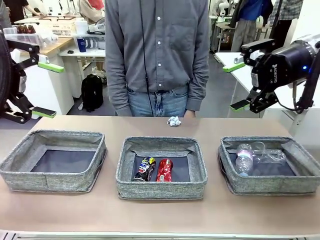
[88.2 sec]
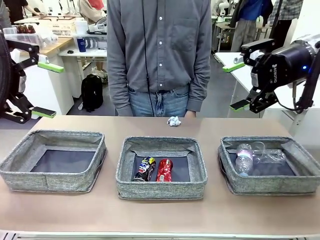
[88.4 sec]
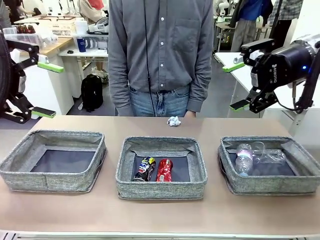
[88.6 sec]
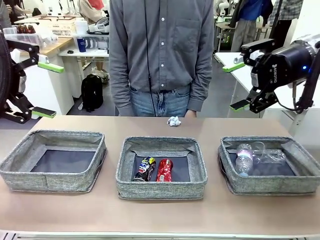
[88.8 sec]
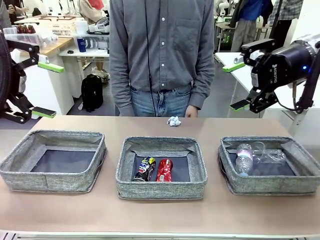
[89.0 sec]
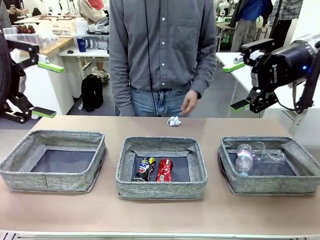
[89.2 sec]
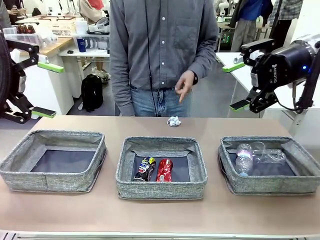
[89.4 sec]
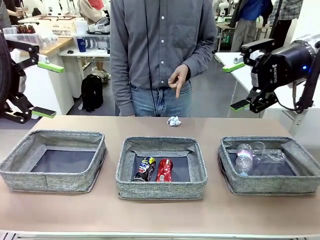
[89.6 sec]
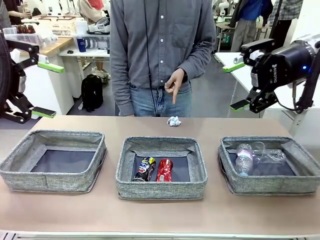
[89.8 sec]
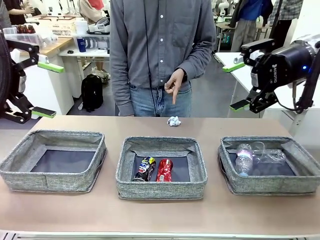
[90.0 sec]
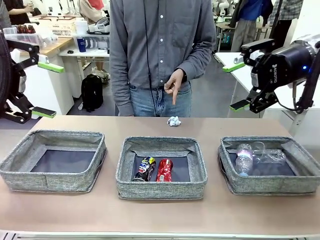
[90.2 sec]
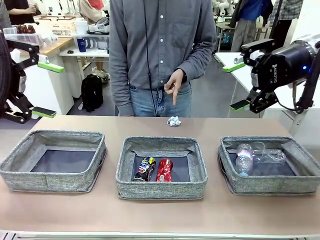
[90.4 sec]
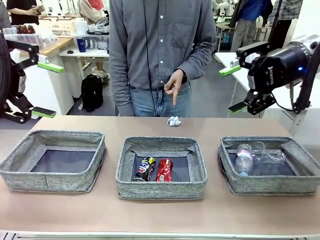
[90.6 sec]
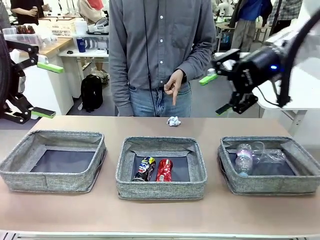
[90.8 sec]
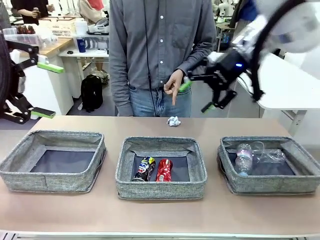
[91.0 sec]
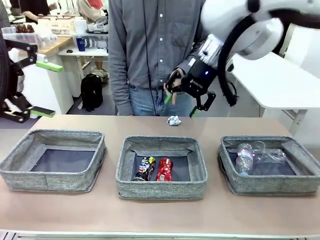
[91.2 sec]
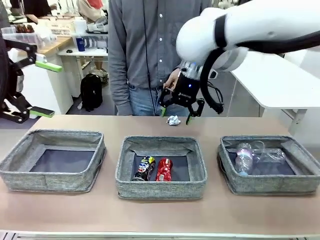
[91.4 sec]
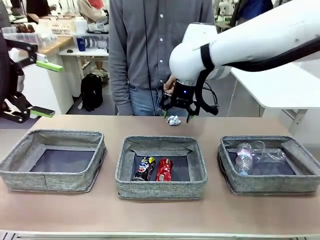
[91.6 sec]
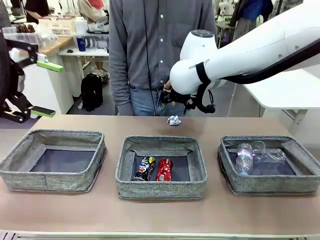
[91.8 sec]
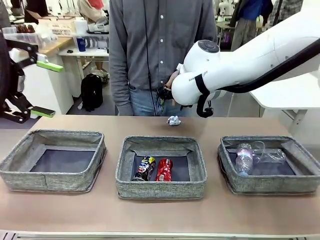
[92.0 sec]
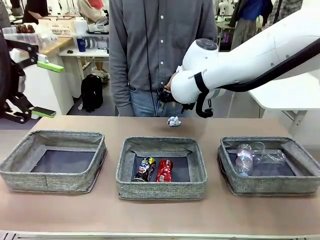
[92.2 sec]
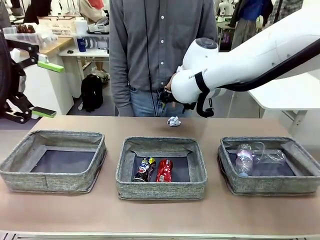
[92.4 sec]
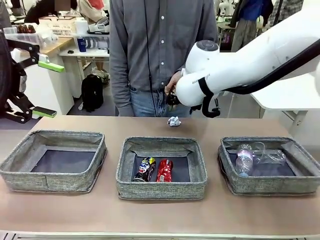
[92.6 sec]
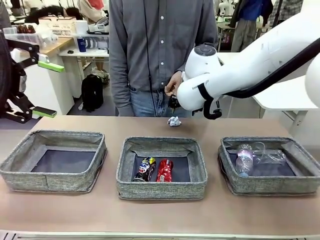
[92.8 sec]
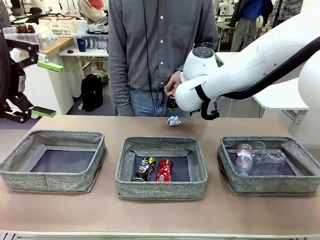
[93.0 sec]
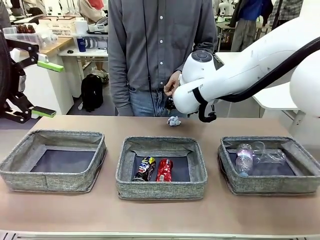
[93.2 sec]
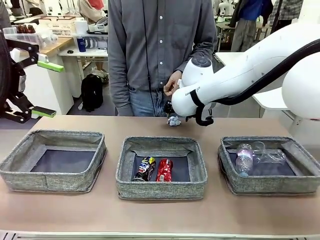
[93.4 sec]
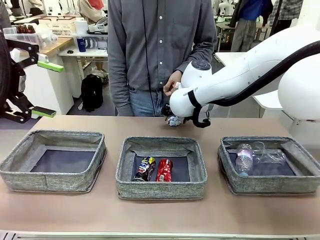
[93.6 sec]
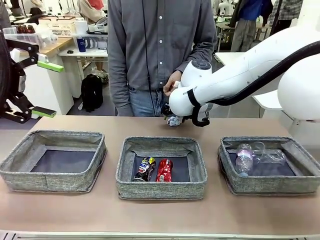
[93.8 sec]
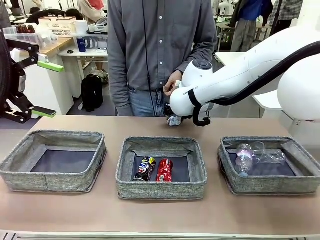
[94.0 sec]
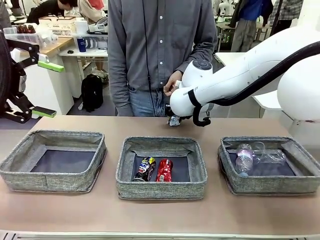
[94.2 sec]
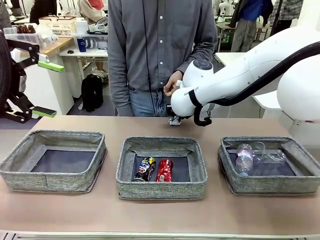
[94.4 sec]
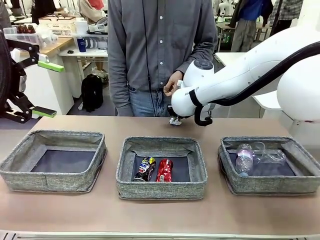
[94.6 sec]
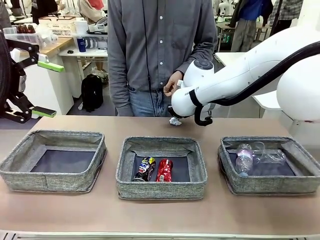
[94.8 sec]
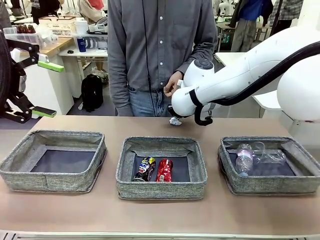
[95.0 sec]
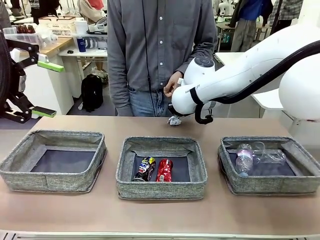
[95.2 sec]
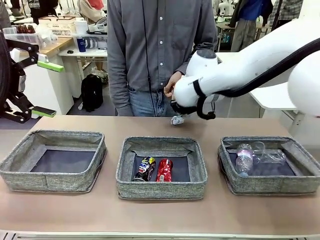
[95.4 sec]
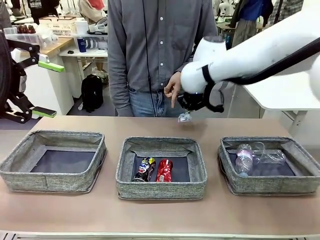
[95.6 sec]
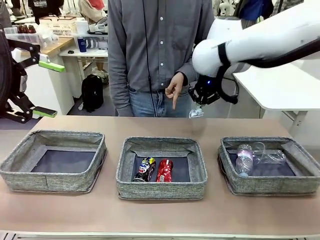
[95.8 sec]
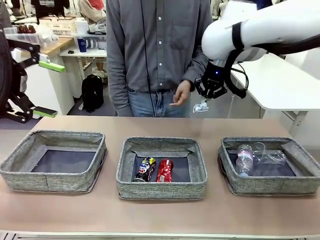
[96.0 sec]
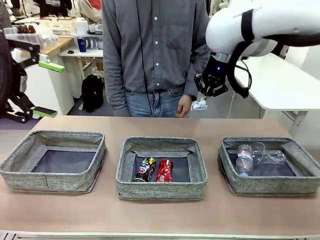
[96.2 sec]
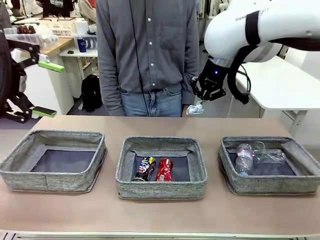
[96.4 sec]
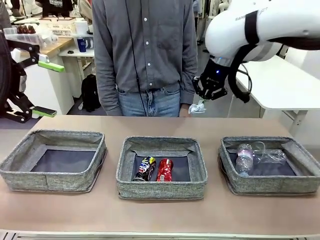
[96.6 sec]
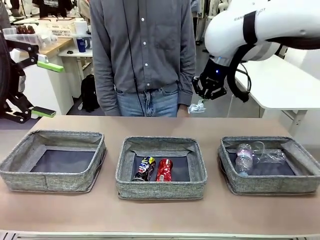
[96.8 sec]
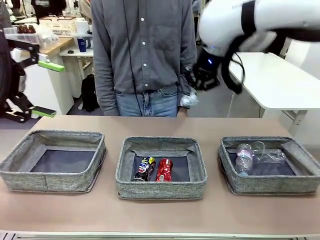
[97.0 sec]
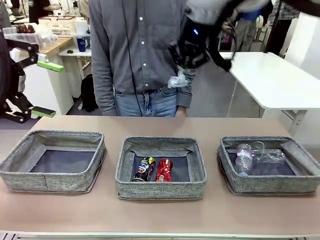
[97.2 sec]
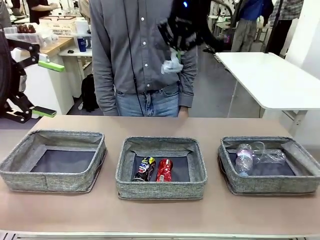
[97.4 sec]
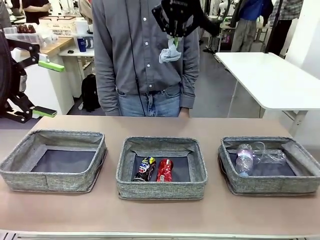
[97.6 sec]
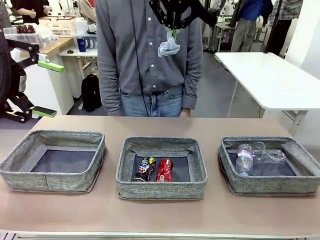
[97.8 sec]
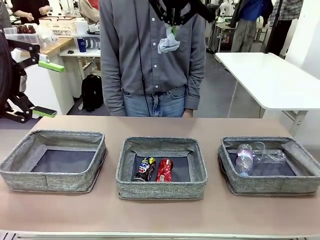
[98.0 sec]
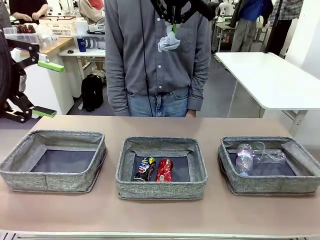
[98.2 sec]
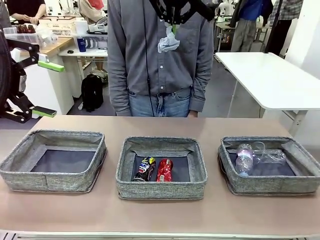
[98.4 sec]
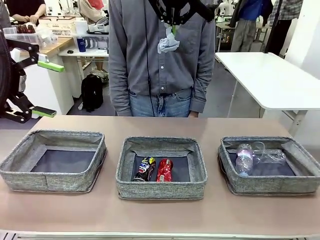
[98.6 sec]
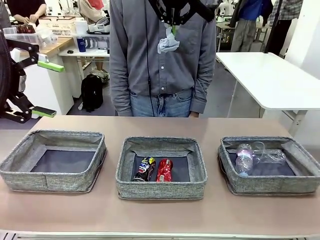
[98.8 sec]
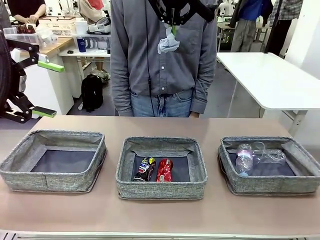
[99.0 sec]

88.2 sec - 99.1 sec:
Task: Sort the waste into the appropriate baskets.
Robot: Pick up the waste item pointed out by the person.
Person: Points to one piece of trash on the table.

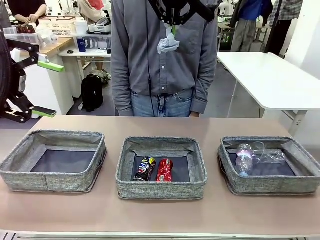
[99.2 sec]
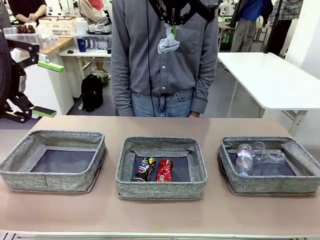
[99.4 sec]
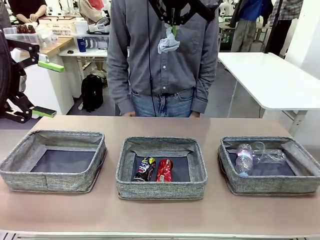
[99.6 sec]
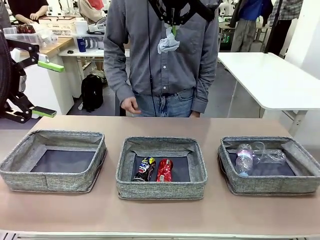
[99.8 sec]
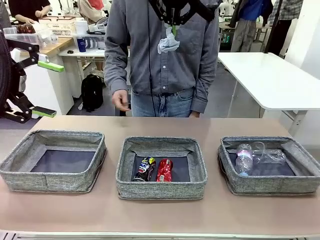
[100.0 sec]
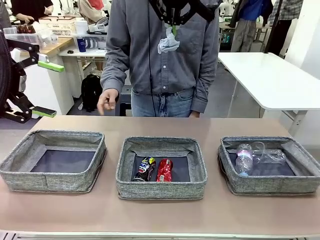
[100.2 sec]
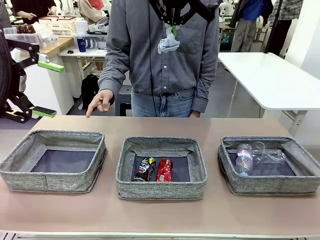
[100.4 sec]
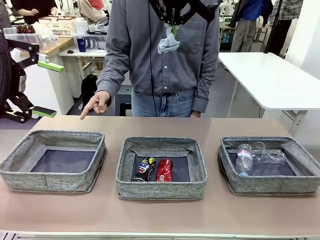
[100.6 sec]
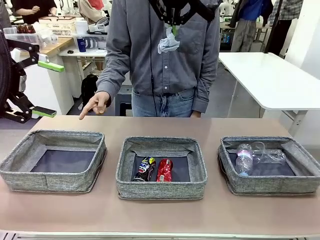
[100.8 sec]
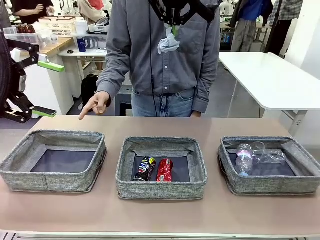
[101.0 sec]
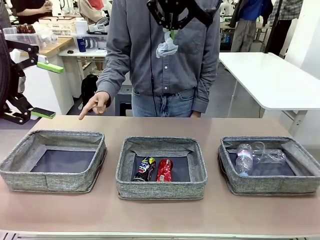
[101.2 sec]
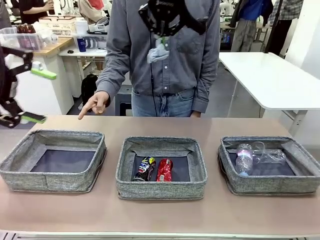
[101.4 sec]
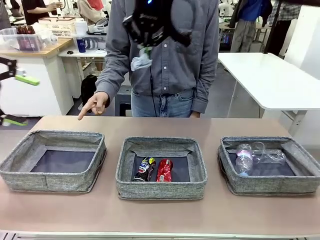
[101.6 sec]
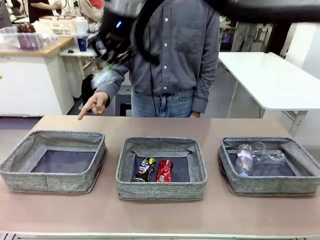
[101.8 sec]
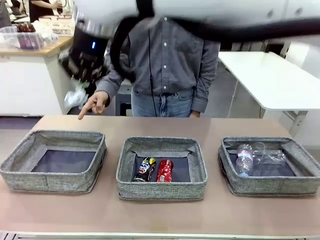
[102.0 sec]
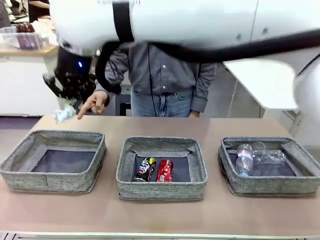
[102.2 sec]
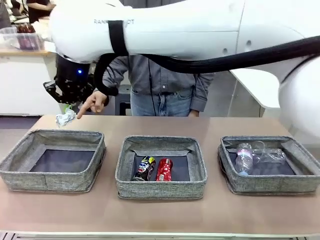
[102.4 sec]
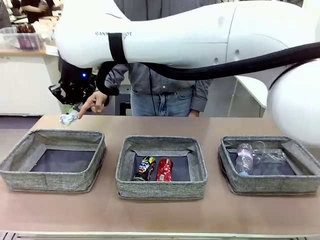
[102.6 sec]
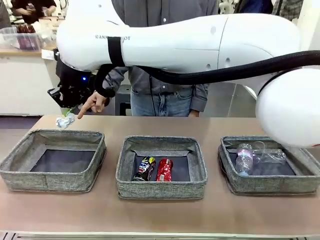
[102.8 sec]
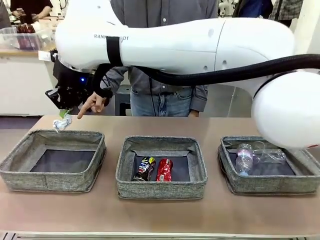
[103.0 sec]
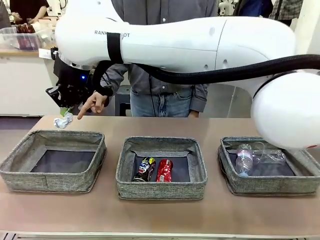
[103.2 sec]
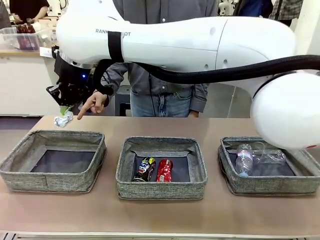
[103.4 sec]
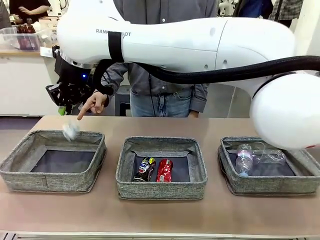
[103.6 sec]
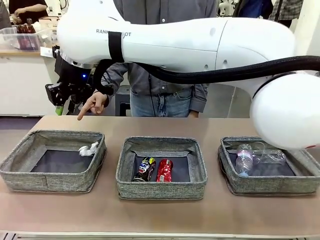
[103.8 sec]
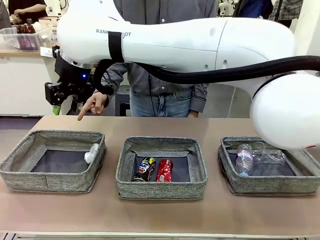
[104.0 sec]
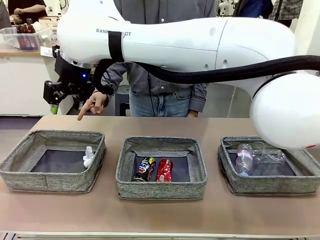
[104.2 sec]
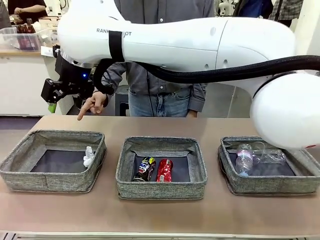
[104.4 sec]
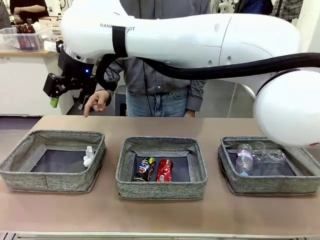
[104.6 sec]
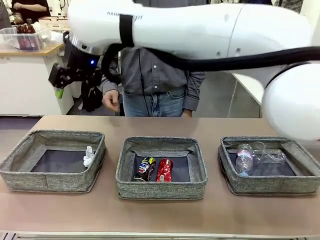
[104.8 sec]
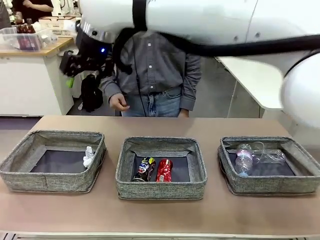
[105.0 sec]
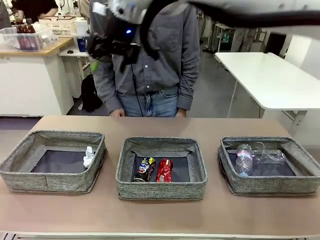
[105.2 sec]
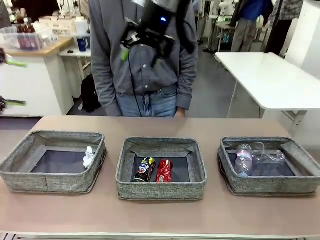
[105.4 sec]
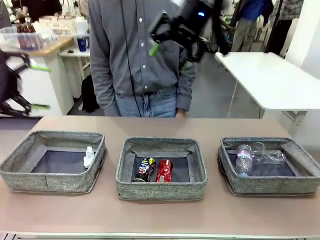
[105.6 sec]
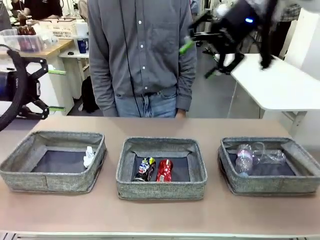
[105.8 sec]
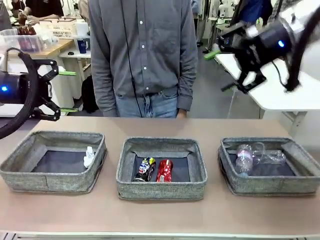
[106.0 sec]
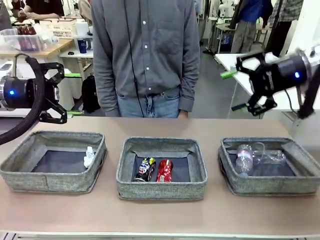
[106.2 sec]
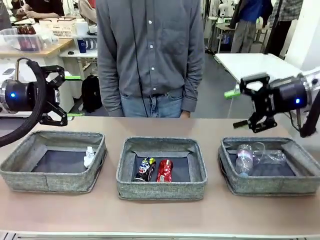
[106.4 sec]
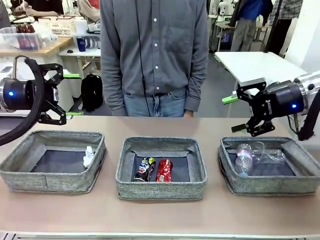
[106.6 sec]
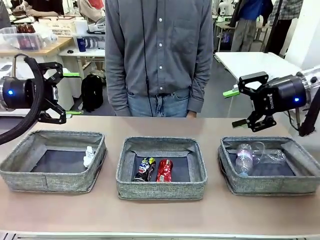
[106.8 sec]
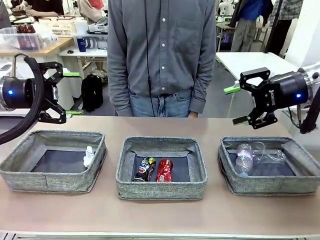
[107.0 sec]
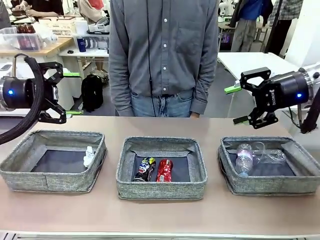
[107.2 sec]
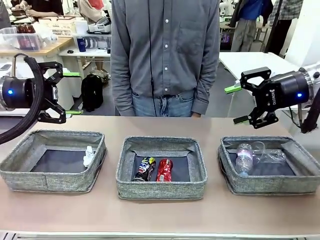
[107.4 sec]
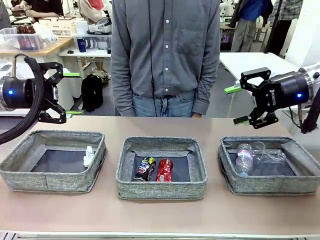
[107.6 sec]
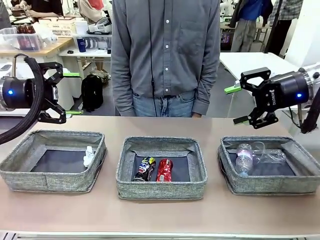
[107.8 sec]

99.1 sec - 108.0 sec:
Robot: Place the picked waste into the Fabric basket indicated by the person.
Person: Instructs the robot to place the picked-up trash into the appropriate organizing basket.
